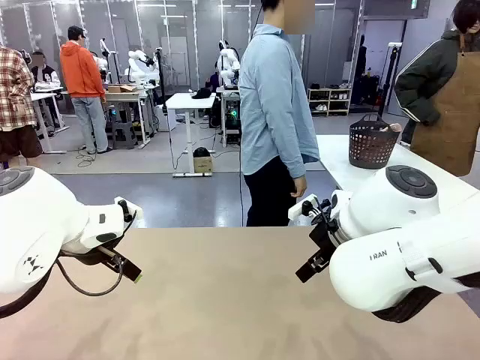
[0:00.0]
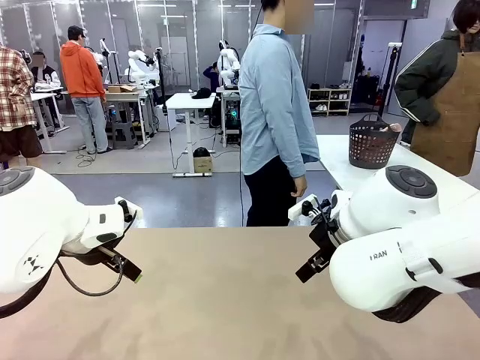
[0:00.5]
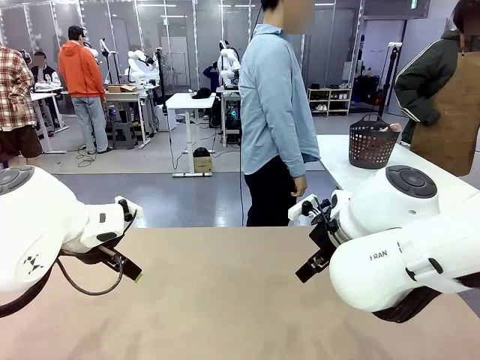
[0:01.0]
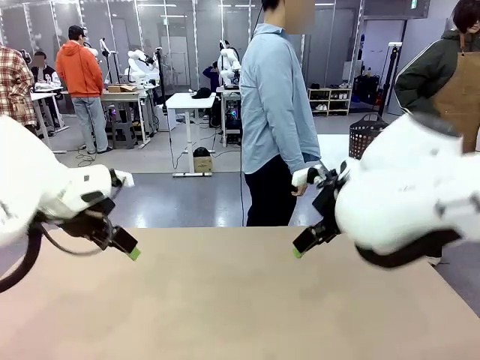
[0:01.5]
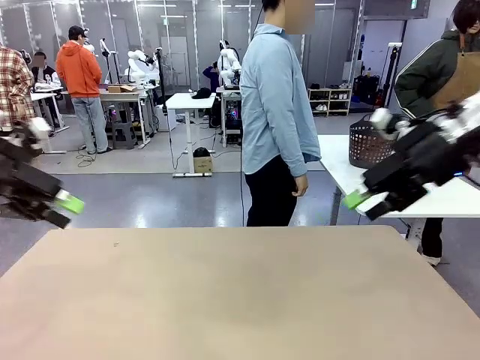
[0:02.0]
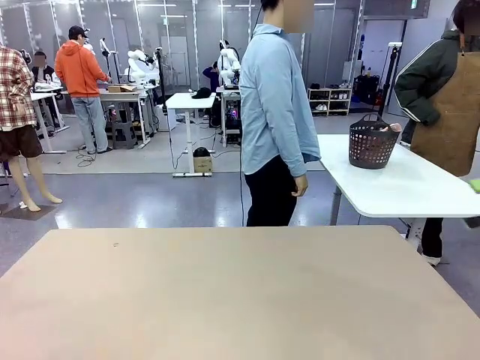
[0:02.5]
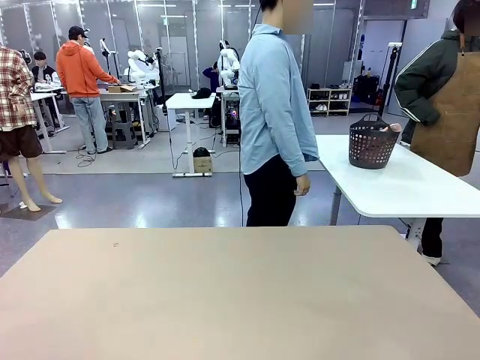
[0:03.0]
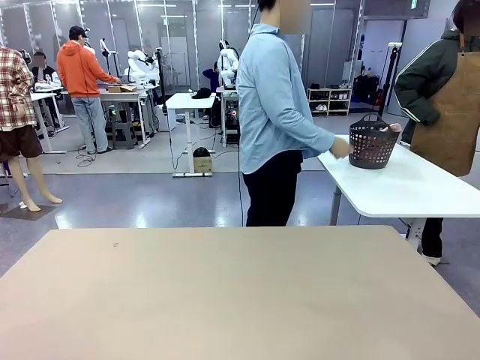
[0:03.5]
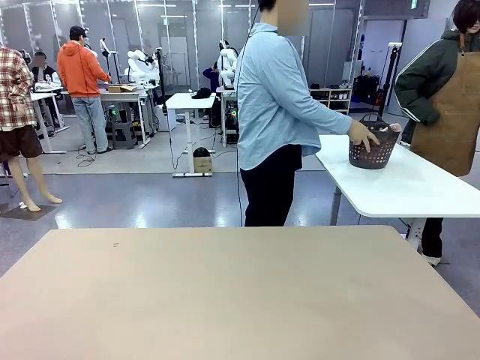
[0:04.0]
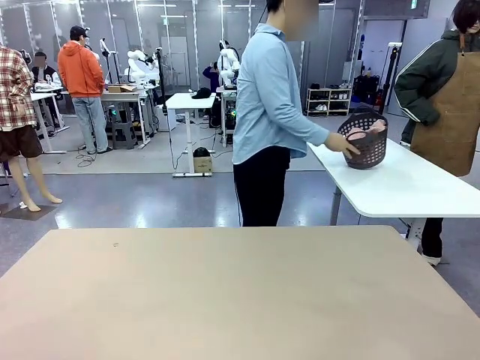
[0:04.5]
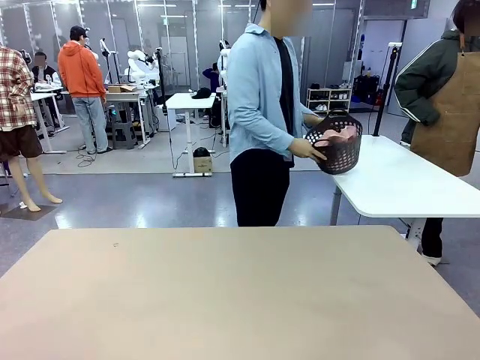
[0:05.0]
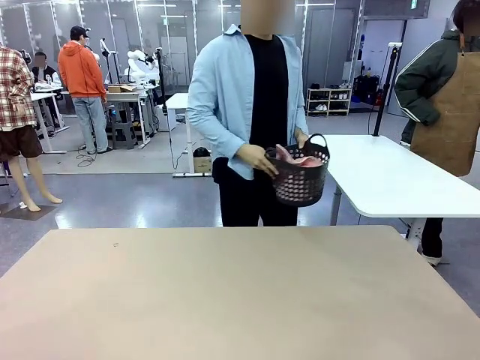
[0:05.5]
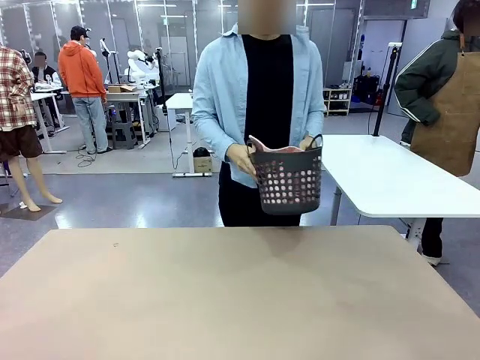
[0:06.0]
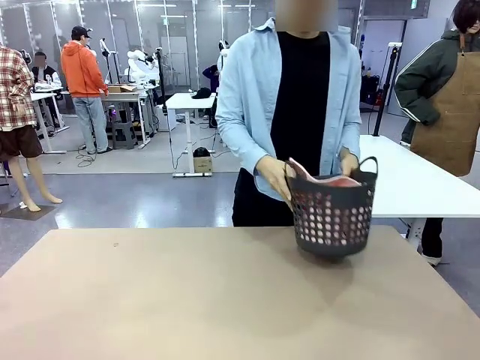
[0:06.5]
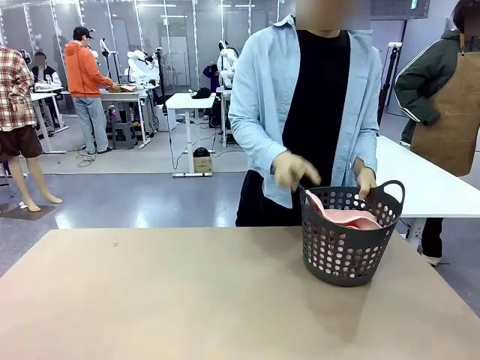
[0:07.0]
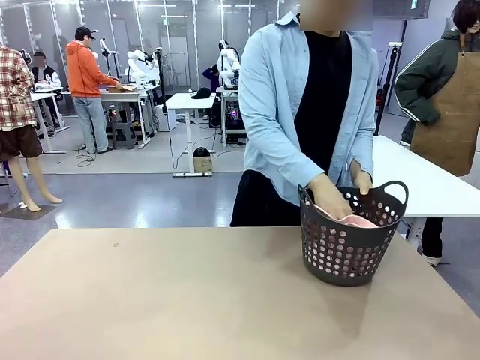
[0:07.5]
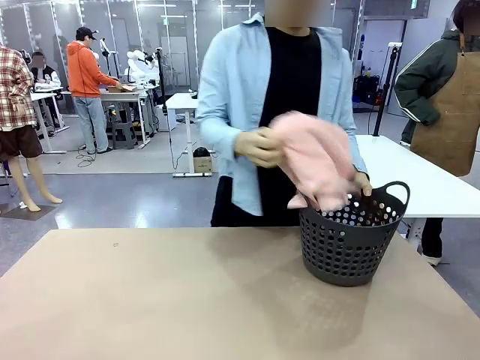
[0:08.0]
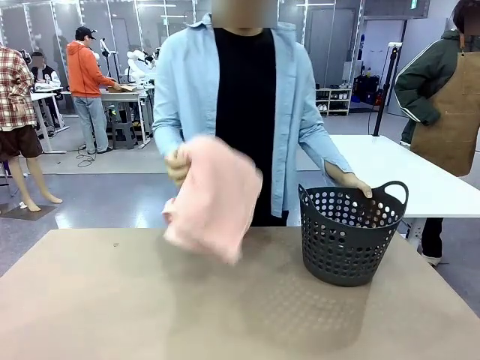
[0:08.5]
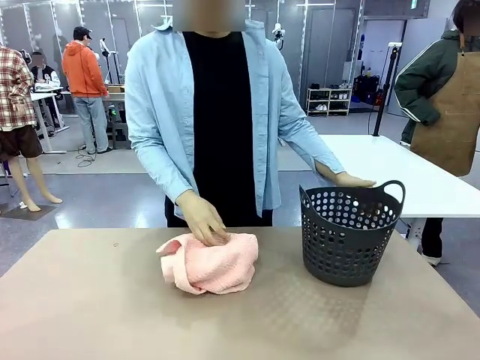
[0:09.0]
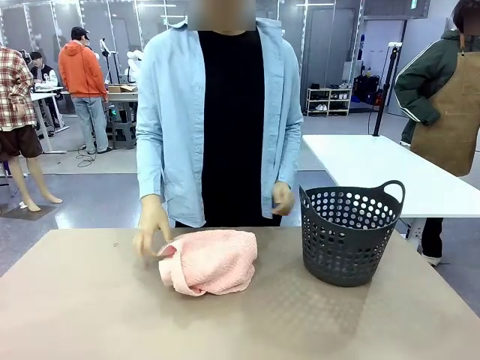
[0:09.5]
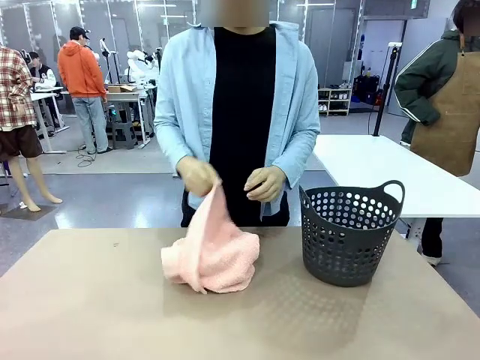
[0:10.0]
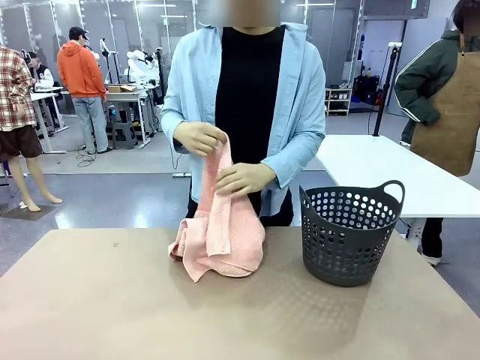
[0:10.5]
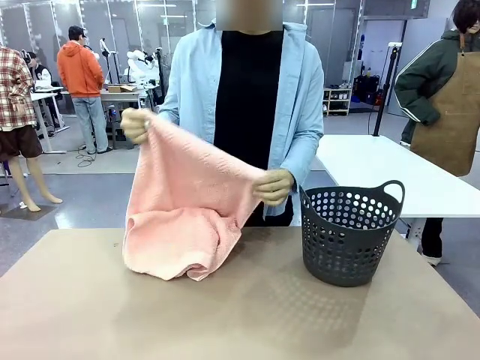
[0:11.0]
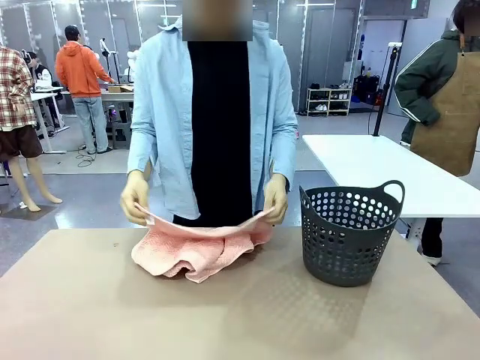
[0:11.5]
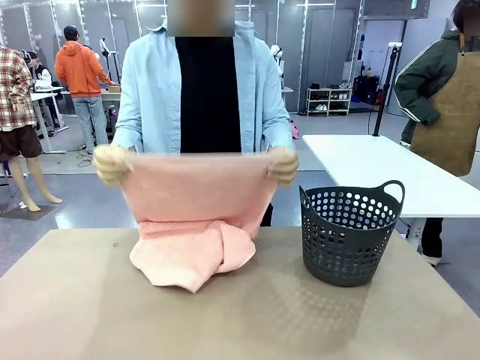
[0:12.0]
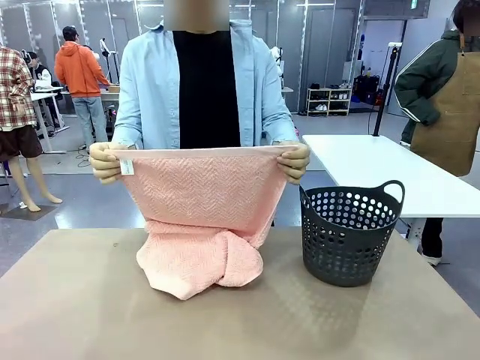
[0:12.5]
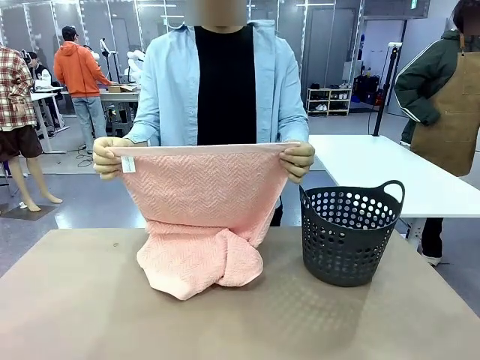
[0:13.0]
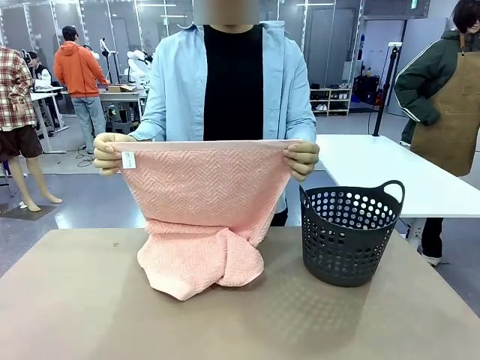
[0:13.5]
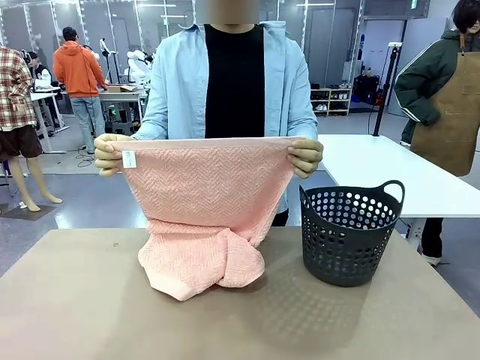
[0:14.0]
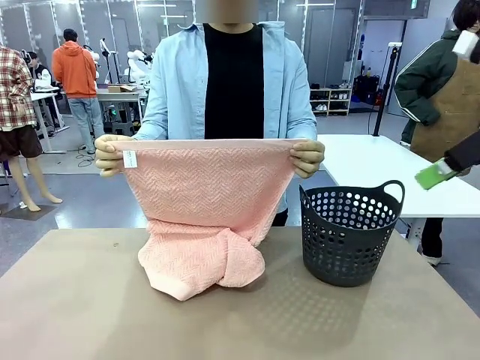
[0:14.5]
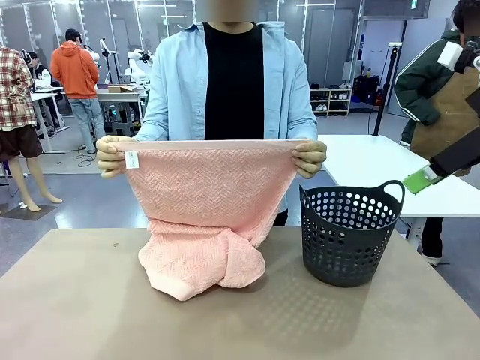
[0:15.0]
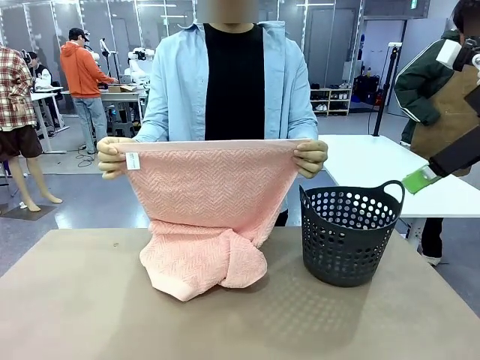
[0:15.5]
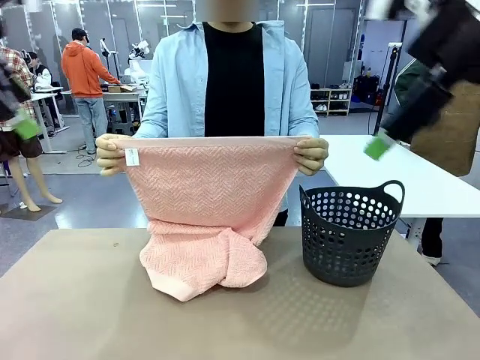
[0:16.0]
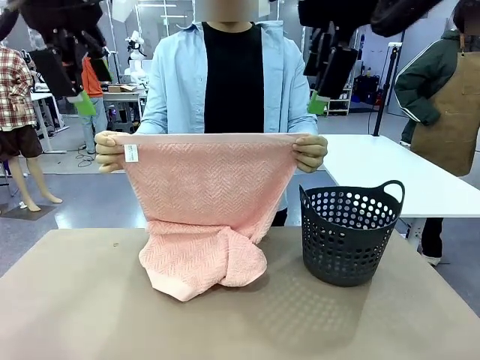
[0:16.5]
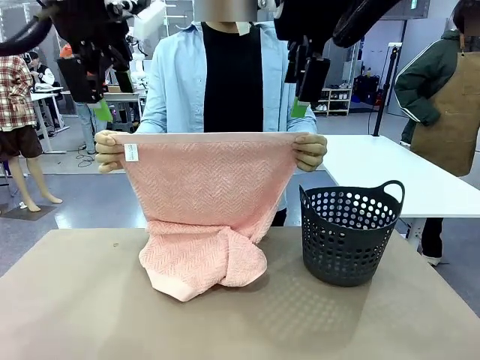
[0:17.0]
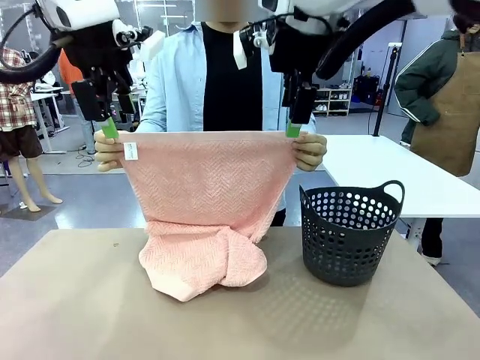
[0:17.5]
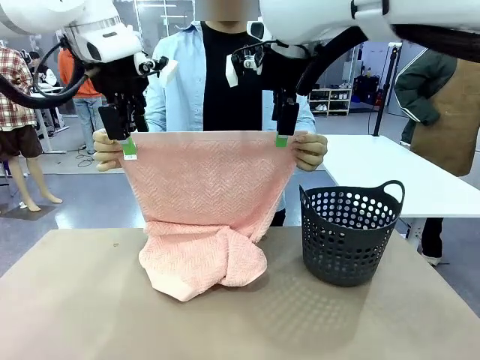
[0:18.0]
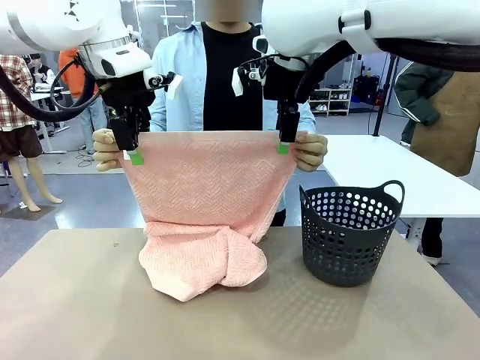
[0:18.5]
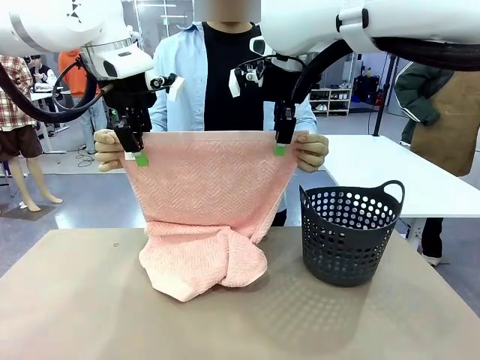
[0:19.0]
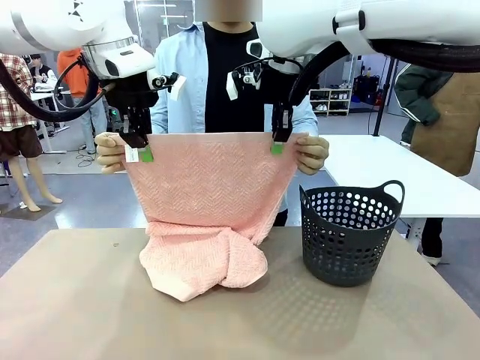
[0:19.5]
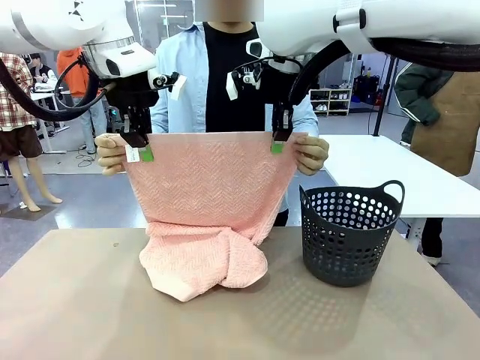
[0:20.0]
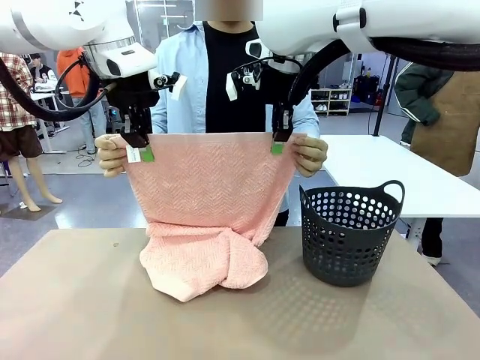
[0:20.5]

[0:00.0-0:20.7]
Task: Fold the towel.
Robot: Grab the top end of the 100 cm Hotel Towel extended by the human.
Person: Pick up the laundry basket, place it on the left side of the robot table, then take out a towel and hand it to the robot while holding both corners of one end.
